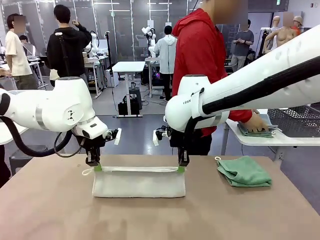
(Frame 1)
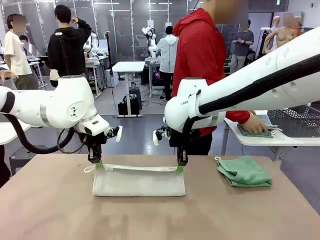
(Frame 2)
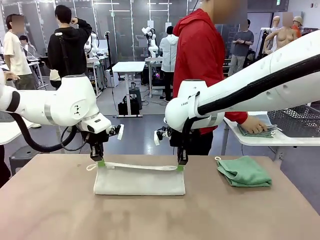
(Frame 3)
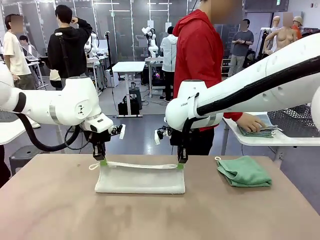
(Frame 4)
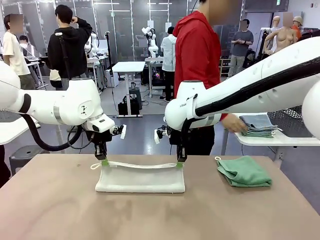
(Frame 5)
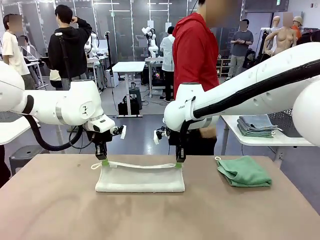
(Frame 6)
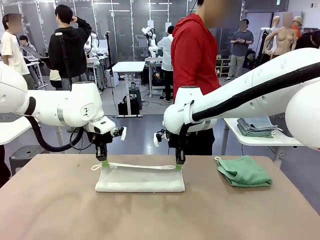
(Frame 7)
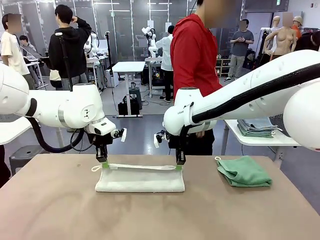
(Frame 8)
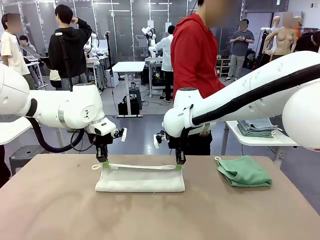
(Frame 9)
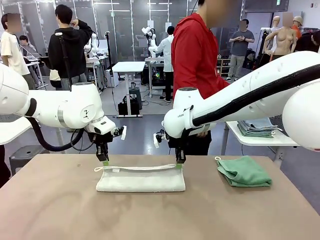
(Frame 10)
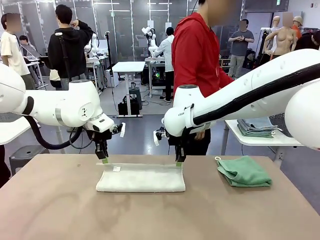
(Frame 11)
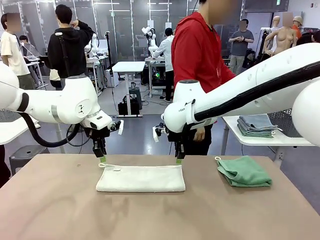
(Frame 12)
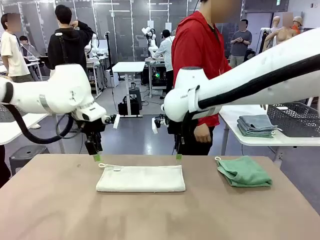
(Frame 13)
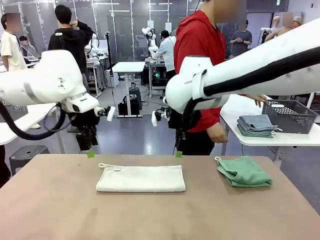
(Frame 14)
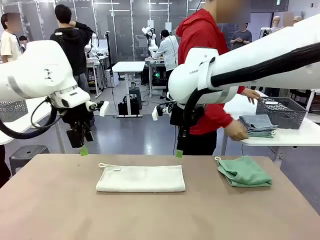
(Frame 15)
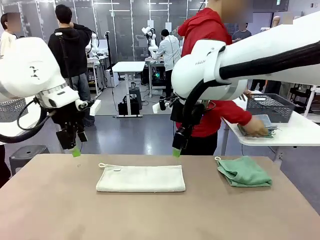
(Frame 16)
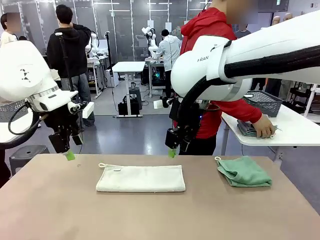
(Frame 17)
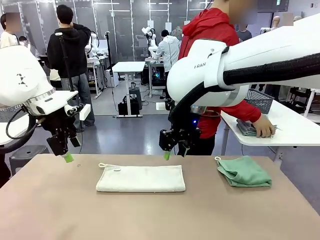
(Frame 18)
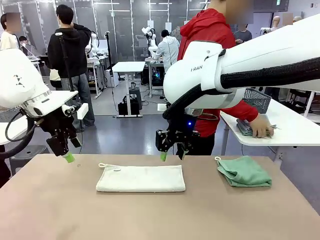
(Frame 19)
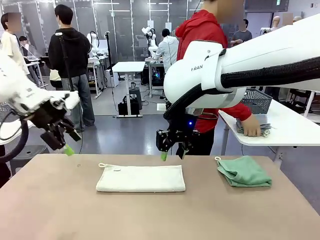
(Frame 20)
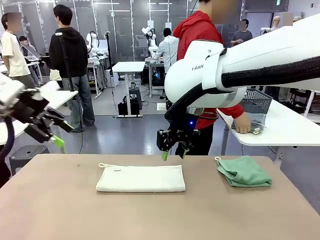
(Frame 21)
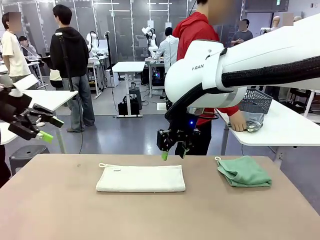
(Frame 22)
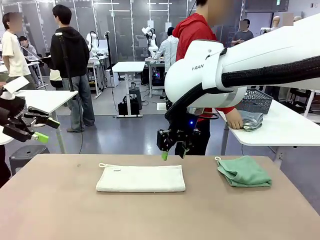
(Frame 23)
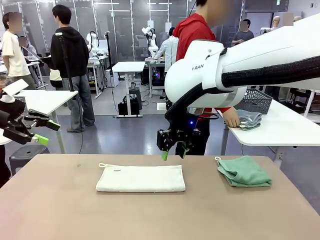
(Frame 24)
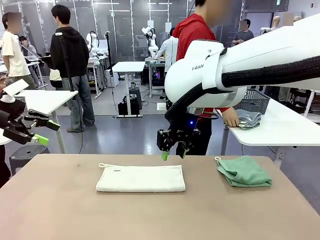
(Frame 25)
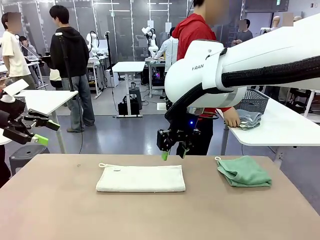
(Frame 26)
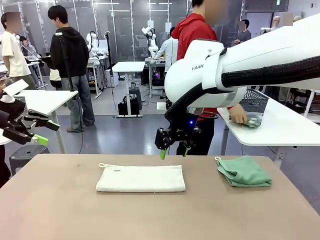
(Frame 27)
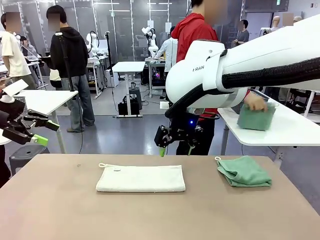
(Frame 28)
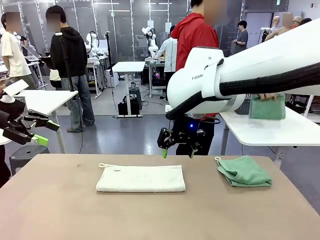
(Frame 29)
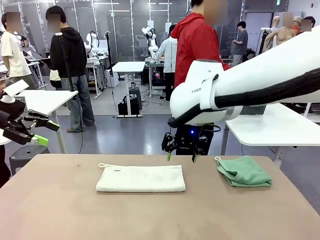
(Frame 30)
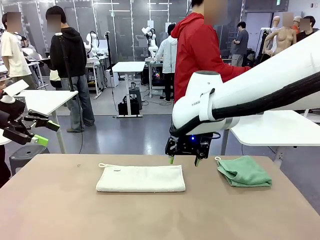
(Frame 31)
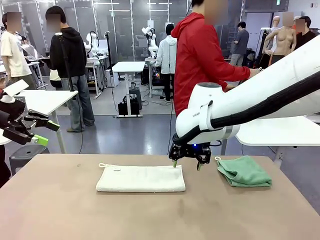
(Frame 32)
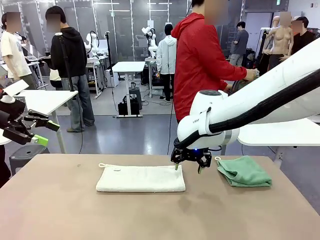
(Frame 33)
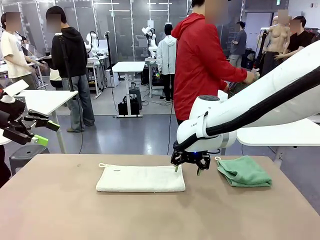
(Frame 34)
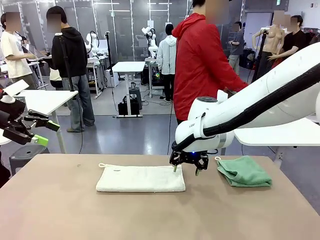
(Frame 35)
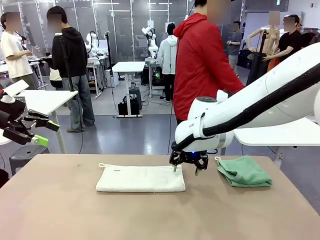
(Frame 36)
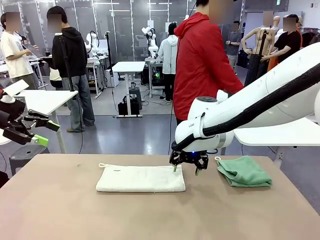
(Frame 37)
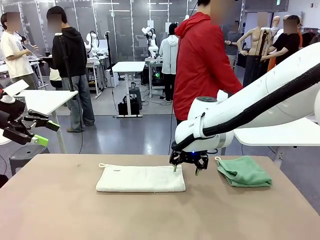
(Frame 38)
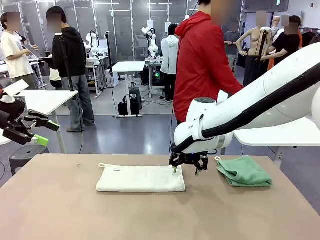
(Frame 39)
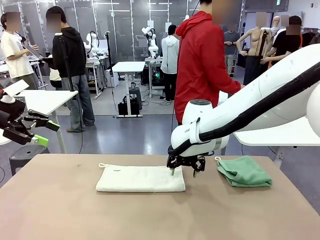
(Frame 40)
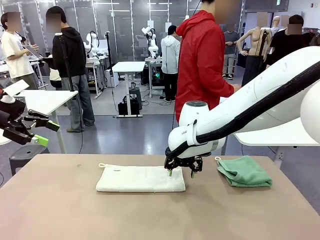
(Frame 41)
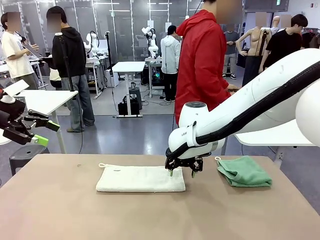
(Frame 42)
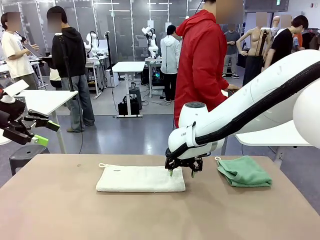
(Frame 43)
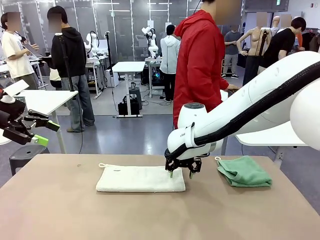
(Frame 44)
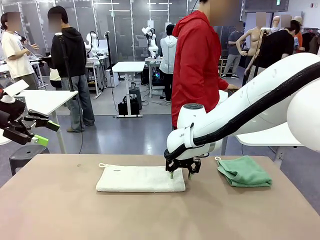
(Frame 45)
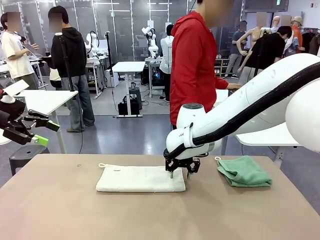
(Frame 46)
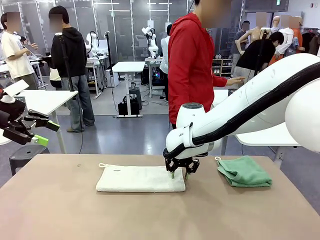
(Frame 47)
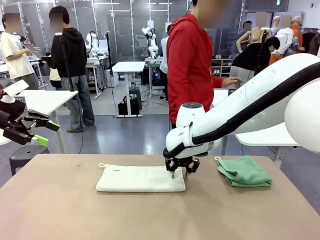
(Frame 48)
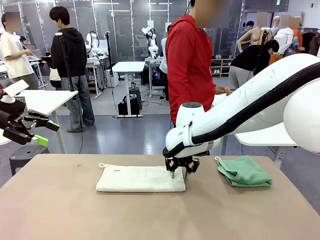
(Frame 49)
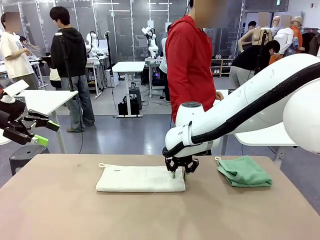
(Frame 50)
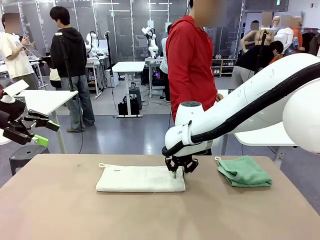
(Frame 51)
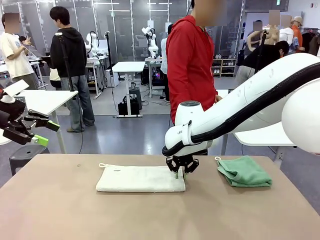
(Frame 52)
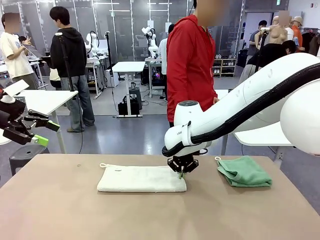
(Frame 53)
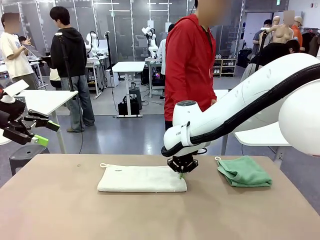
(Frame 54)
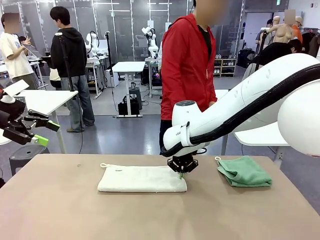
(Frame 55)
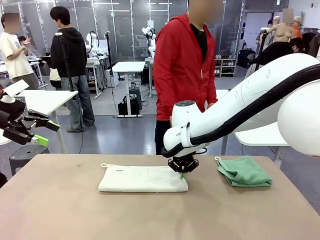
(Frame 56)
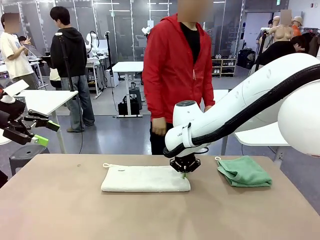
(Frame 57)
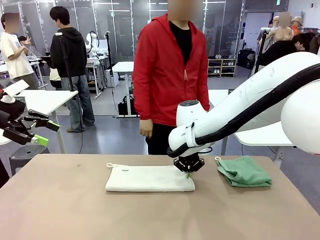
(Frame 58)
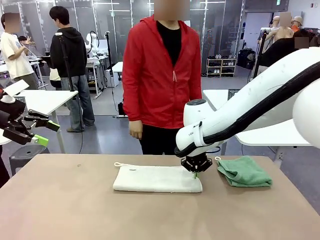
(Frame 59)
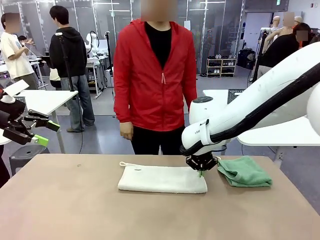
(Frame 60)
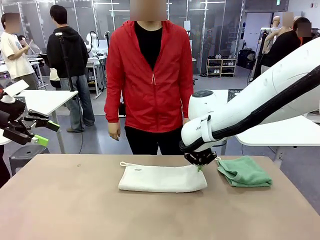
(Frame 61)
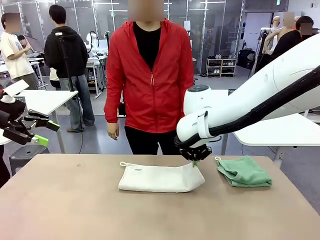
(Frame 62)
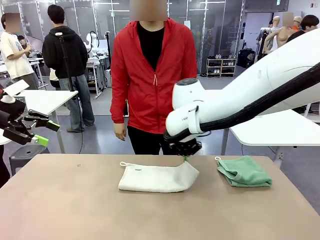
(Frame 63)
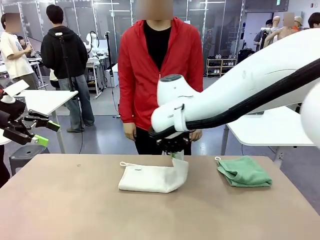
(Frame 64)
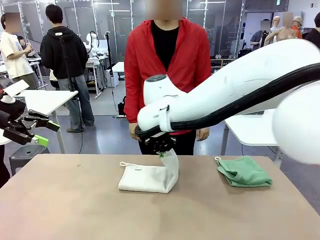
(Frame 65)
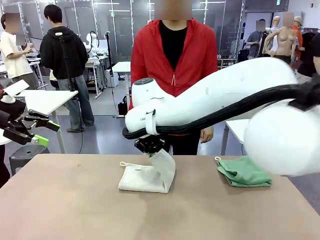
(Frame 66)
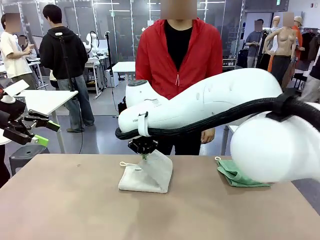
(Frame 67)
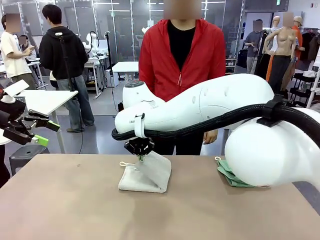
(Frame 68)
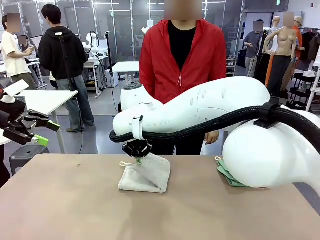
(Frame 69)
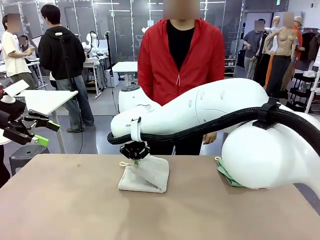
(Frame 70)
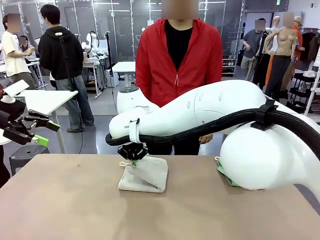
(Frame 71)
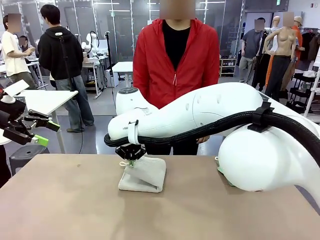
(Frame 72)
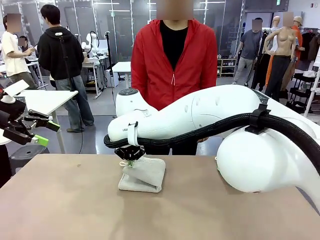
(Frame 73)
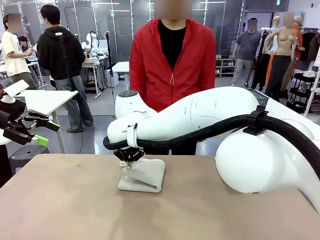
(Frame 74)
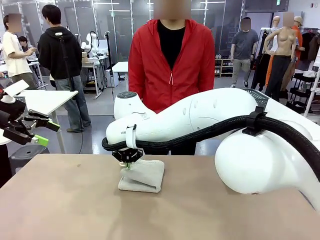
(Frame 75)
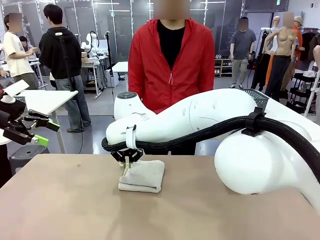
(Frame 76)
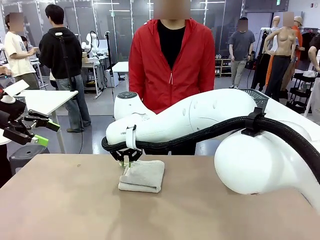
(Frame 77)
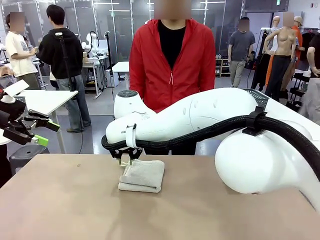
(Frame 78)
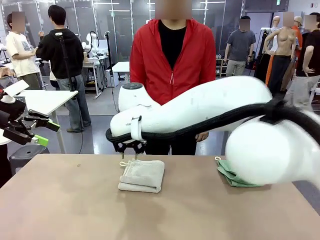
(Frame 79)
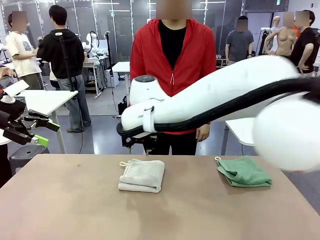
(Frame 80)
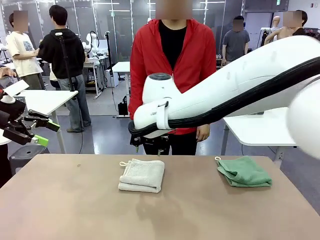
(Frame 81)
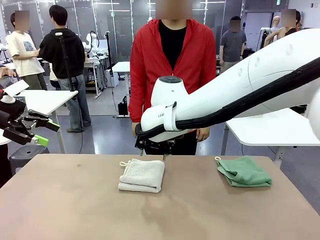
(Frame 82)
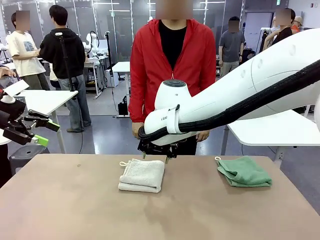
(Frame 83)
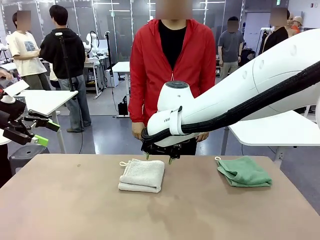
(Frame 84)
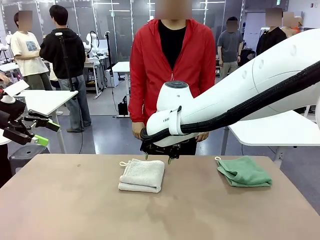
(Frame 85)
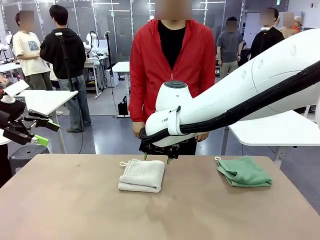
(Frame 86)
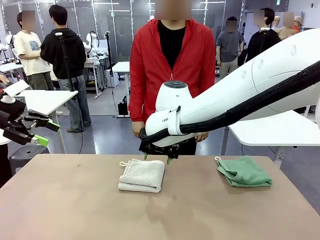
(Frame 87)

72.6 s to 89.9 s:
Task: Fold the towels and place them in the basket.
Robot: When a person lays out a Towel with hook on the table, fold it in half twice.
Person: Pick up the stack of towels from the right side of the human table, place it into the basket, and put the basket at the center of the table.
